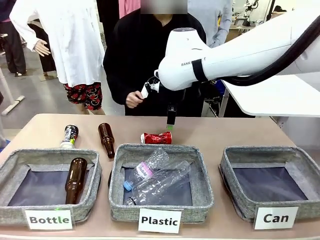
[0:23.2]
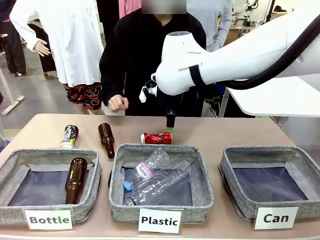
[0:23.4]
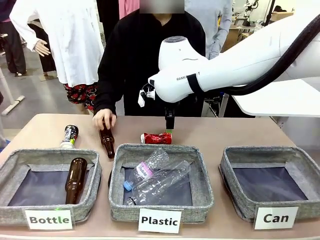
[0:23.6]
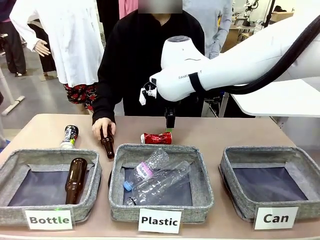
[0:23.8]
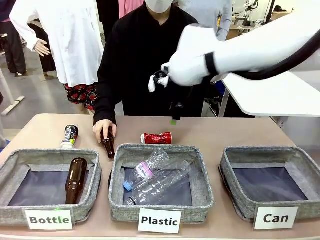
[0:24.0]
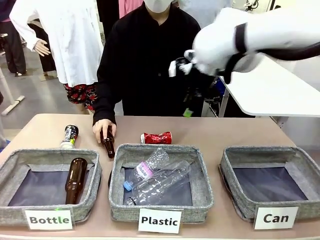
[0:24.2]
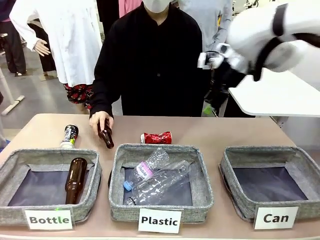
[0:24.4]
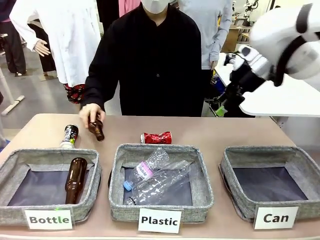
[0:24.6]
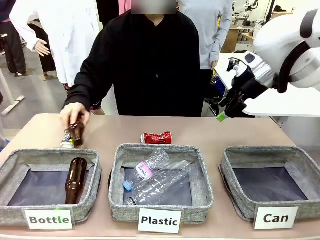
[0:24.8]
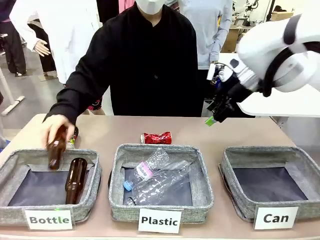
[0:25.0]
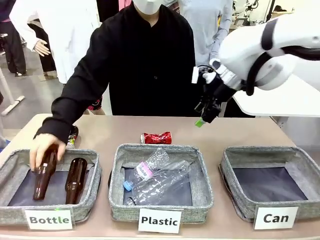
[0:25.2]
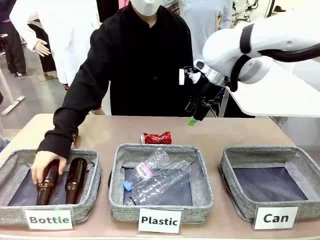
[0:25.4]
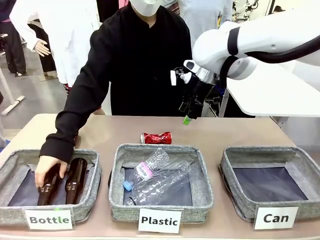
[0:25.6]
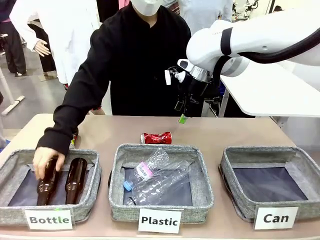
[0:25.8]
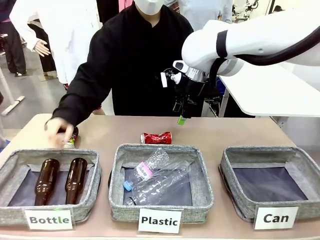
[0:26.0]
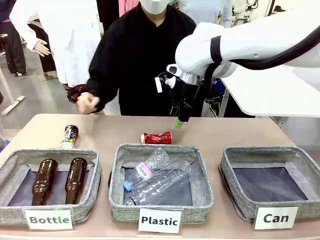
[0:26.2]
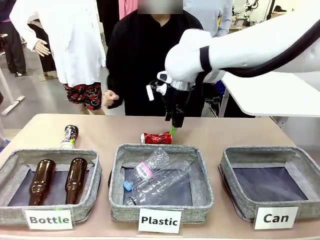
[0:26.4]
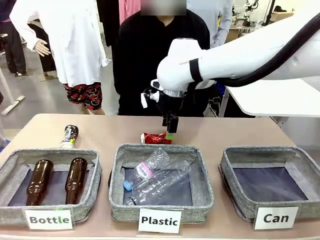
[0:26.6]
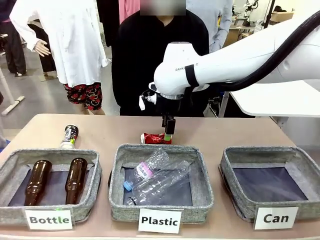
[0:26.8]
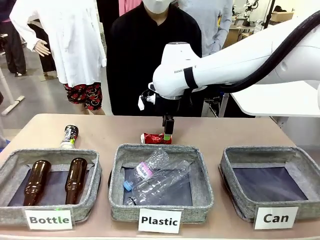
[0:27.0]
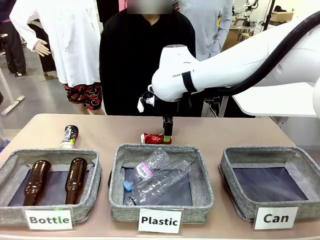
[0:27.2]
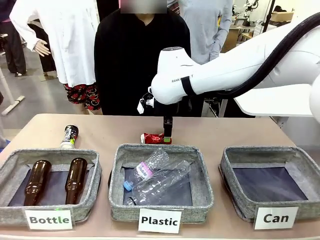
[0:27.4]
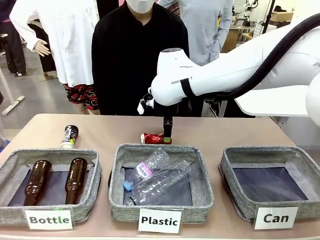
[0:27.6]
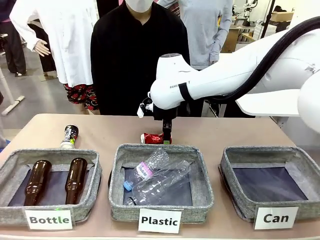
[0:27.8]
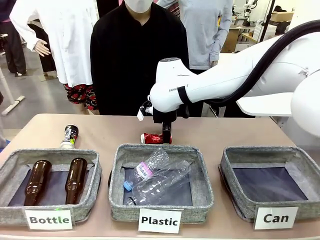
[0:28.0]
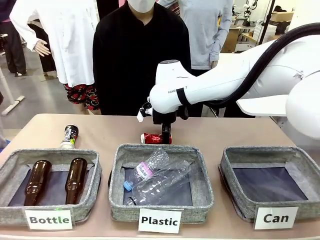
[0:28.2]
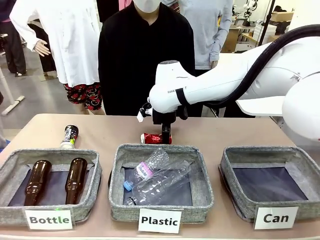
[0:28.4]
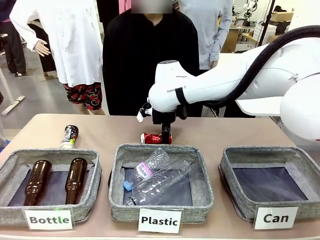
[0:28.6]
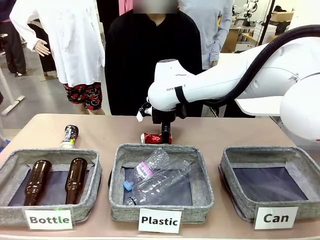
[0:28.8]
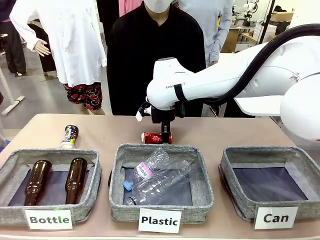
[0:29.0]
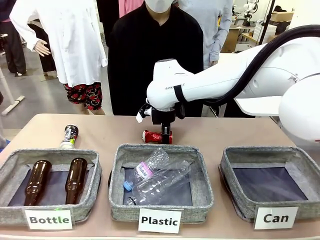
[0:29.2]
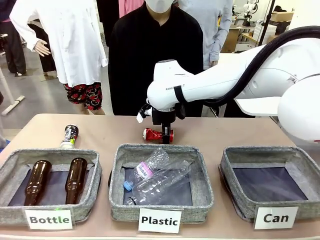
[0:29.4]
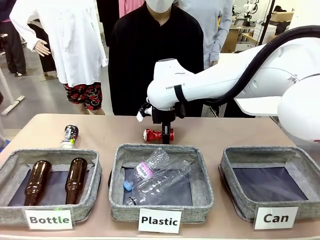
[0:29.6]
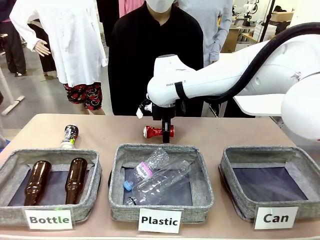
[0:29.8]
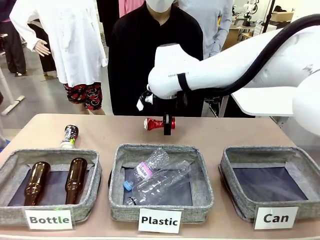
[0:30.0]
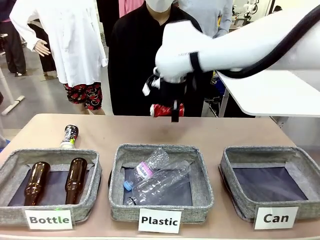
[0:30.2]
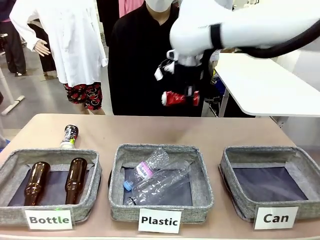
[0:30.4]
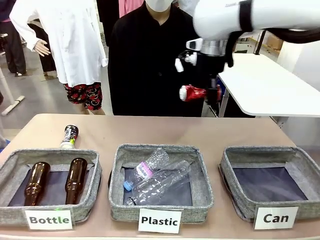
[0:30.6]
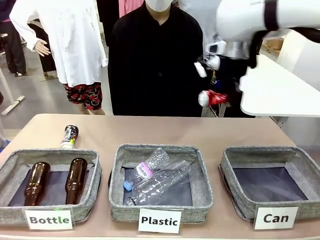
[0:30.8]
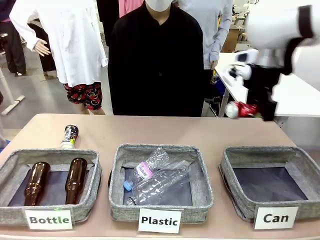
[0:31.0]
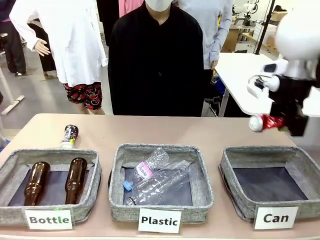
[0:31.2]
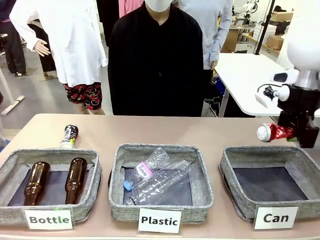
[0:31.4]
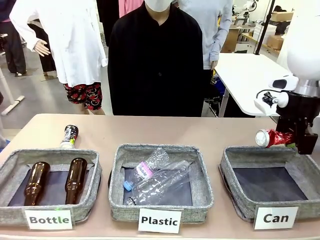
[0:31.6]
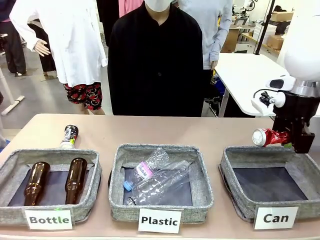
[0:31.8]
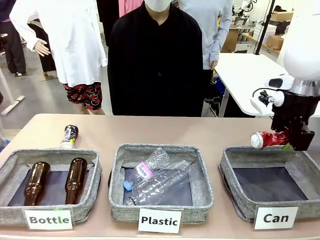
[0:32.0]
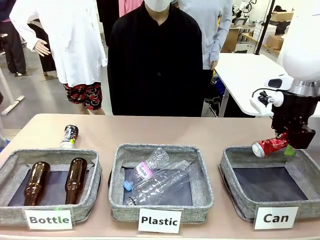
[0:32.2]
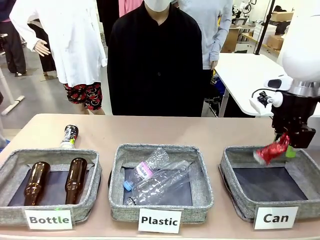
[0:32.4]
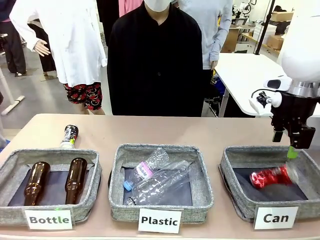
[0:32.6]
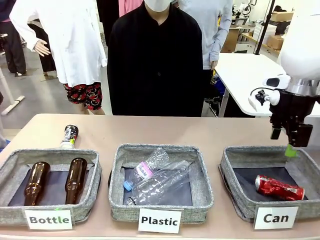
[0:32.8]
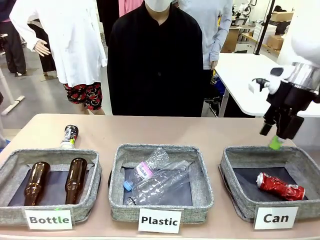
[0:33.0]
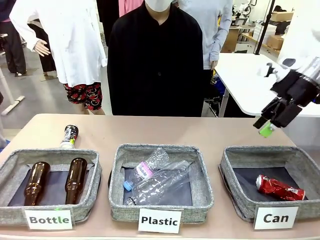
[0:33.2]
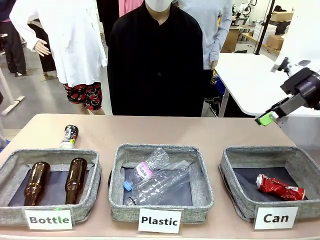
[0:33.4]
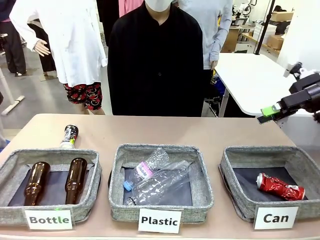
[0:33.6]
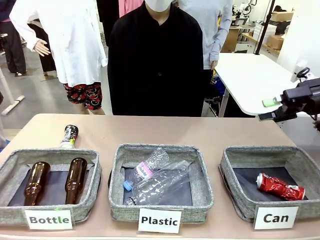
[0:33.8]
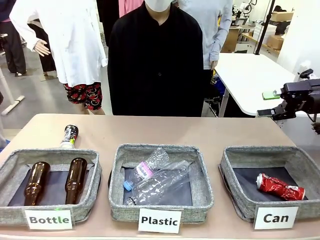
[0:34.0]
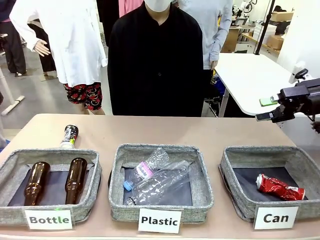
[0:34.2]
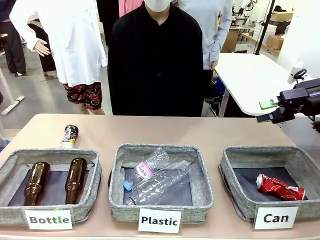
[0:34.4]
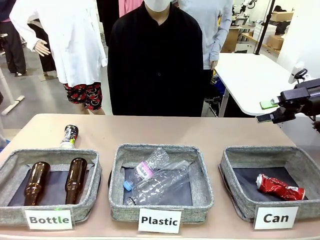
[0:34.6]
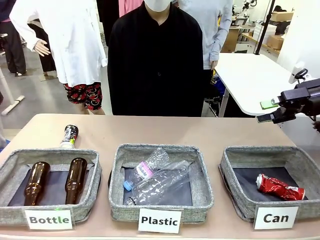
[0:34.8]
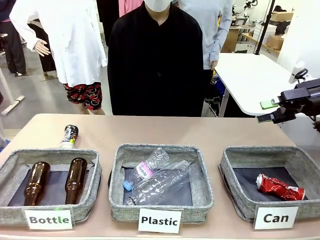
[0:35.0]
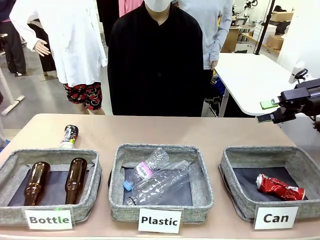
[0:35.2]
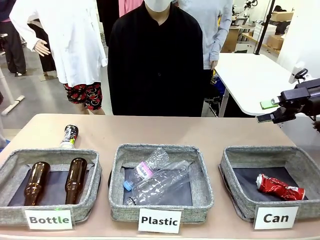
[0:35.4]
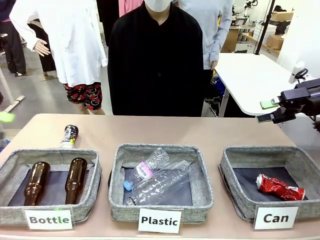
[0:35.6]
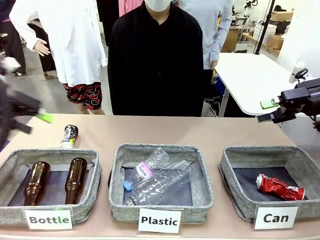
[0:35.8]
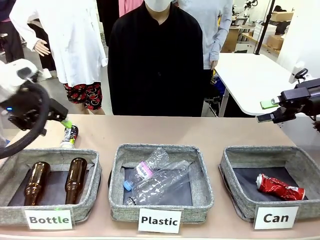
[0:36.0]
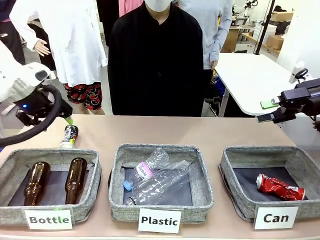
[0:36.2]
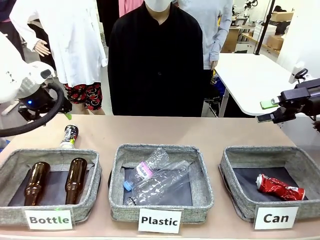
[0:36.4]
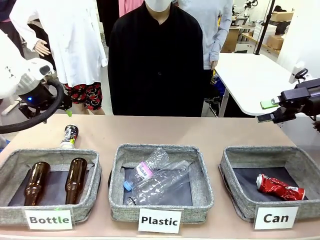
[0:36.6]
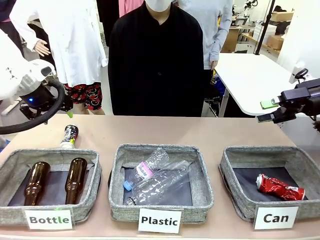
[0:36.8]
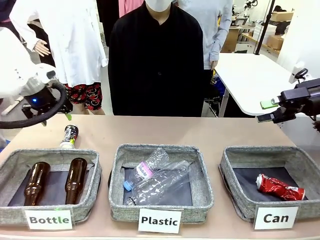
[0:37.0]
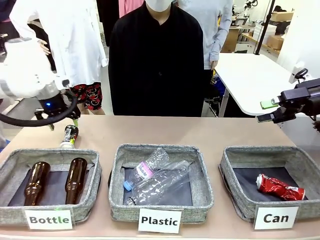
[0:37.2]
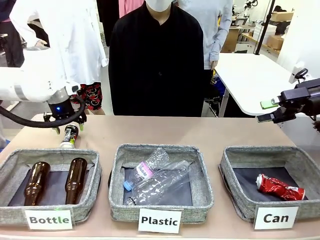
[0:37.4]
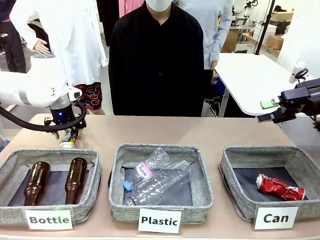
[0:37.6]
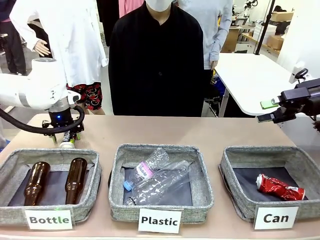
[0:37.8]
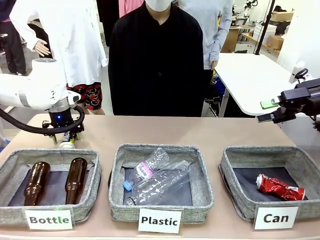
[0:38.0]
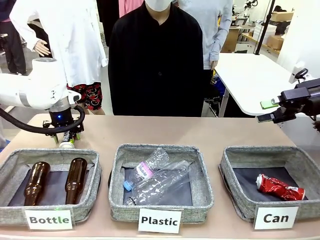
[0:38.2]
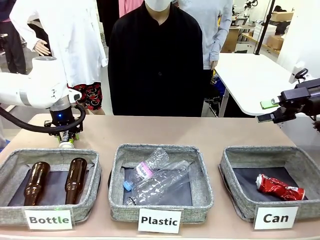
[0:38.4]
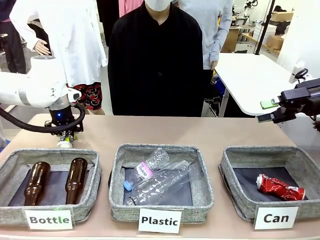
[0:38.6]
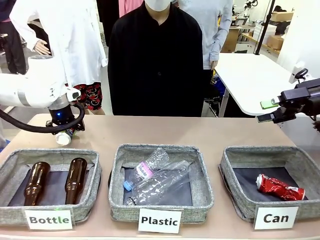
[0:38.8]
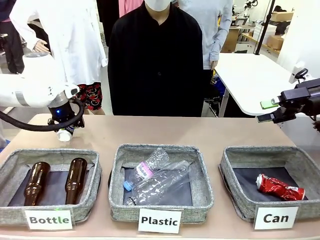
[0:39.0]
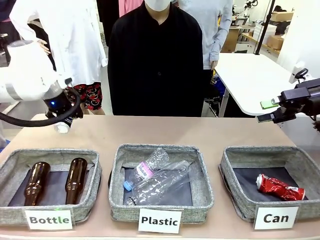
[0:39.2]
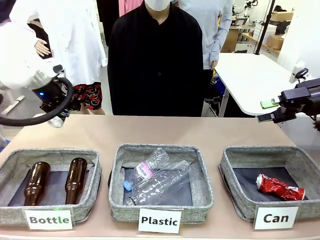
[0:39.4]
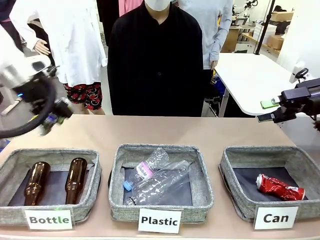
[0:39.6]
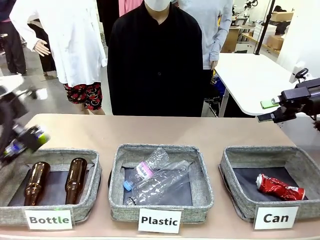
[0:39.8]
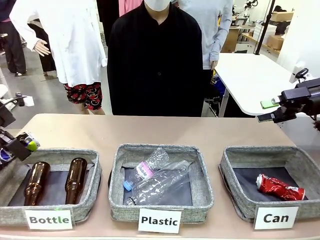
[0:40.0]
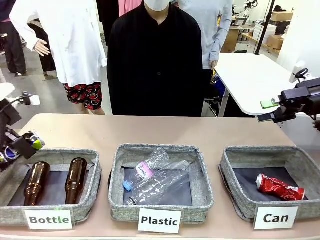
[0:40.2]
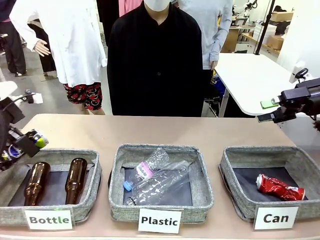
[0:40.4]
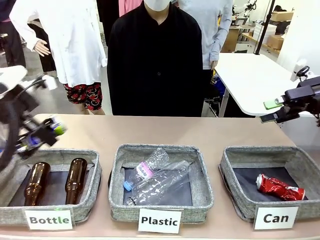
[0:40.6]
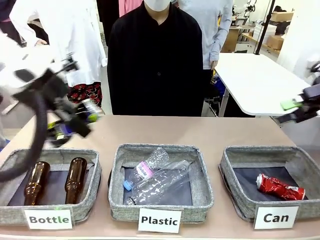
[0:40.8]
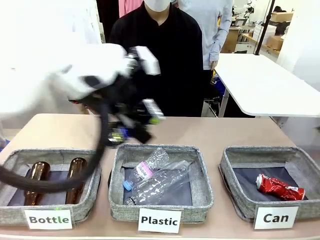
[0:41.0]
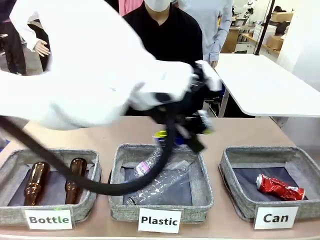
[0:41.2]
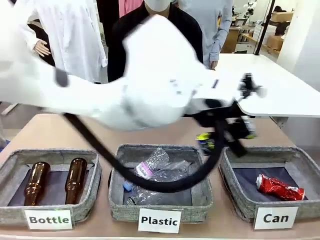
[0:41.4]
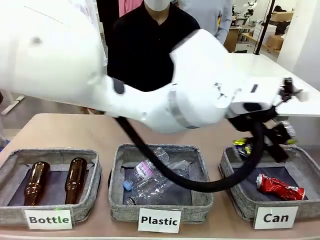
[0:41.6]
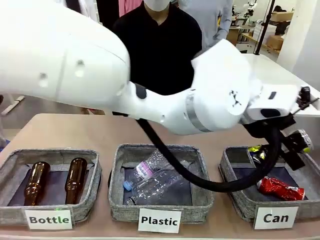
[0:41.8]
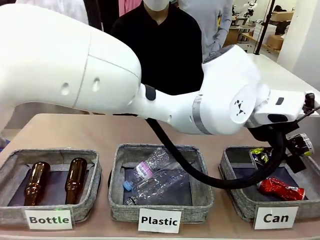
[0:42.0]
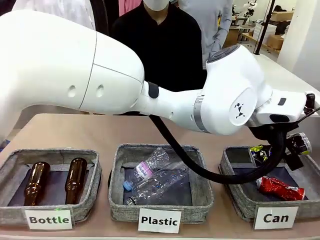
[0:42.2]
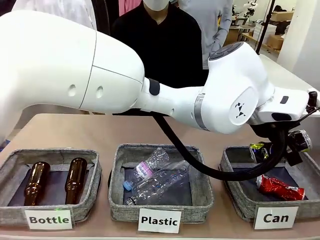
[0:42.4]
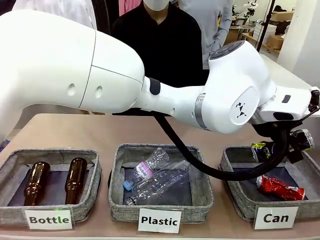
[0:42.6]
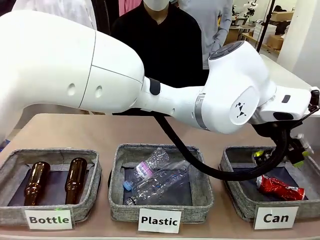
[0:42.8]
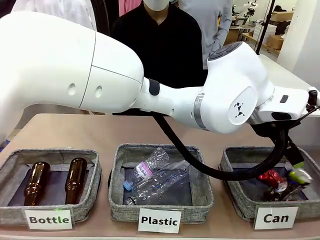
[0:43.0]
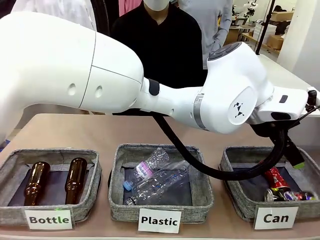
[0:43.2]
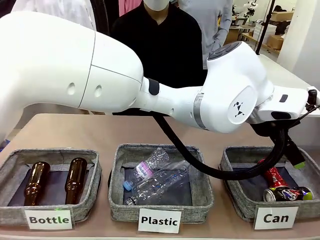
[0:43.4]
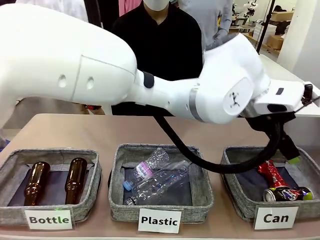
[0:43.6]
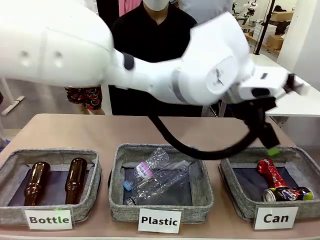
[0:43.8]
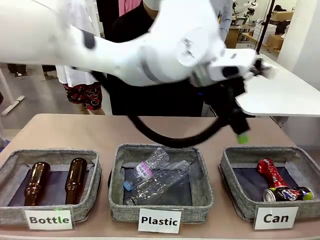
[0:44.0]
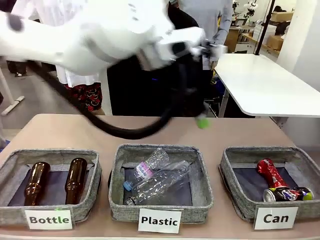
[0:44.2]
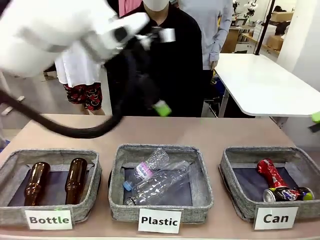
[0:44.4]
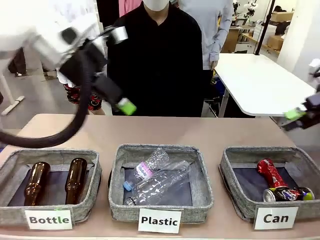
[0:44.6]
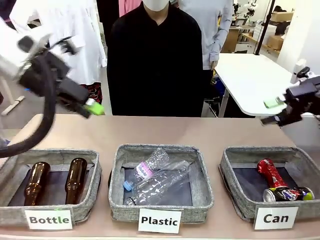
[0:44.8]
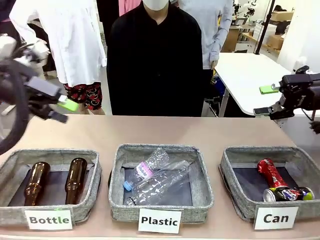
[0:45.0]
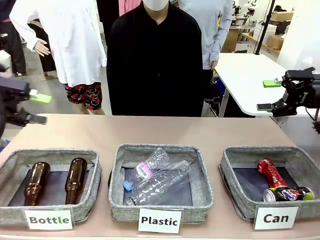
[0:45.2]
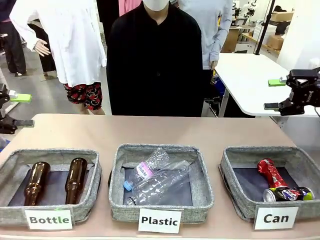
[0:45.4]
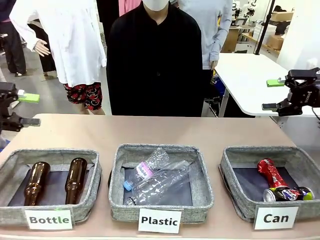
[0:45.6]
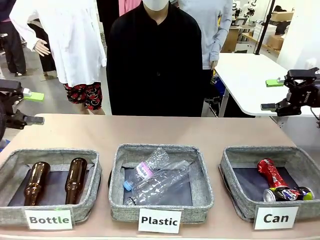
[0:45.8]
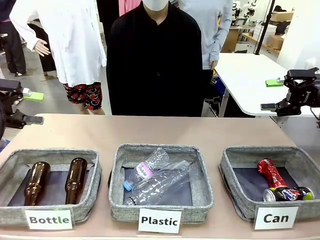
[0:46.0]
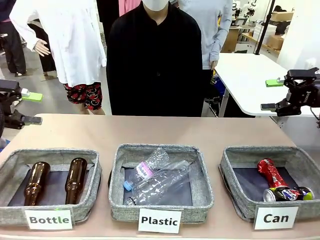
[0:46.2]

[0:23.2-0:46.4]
Task: Sort the can waste into the basket.
Robot: Pick up the can waste from the table and place it in the right Fabric basket.
